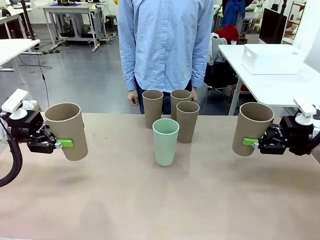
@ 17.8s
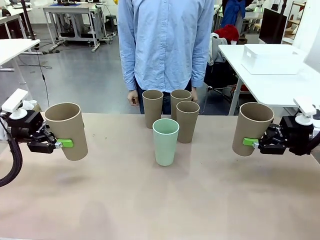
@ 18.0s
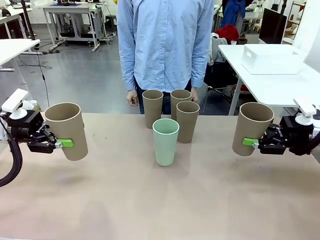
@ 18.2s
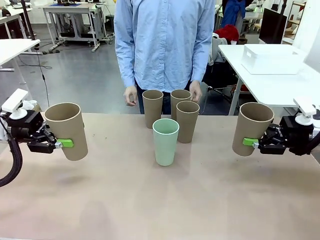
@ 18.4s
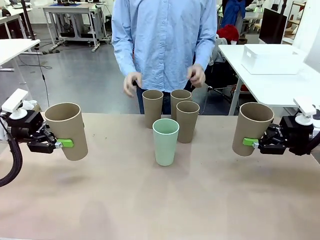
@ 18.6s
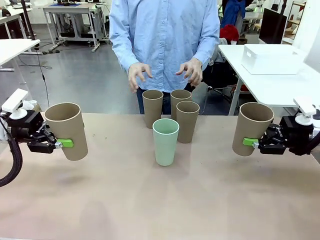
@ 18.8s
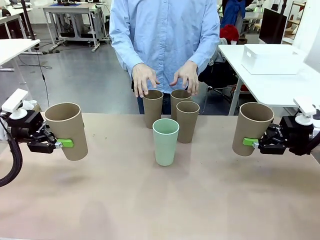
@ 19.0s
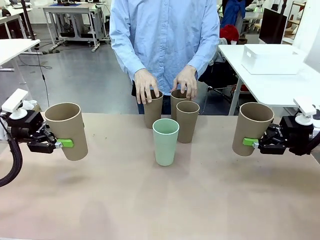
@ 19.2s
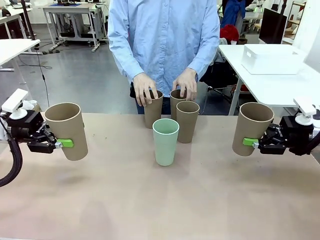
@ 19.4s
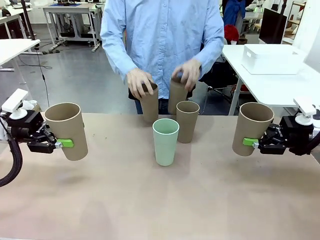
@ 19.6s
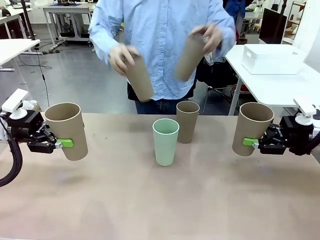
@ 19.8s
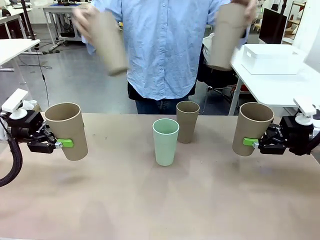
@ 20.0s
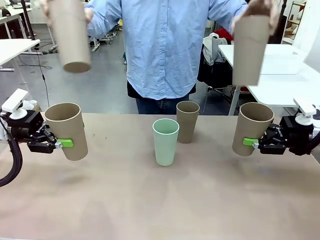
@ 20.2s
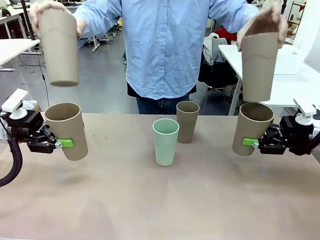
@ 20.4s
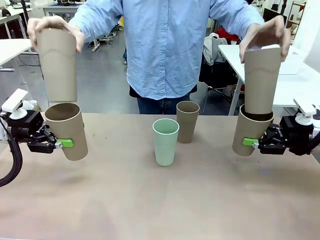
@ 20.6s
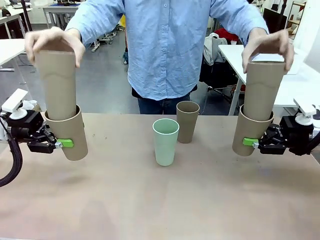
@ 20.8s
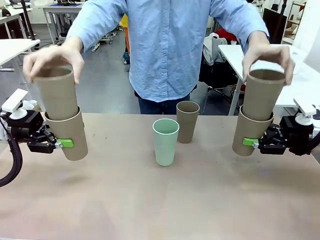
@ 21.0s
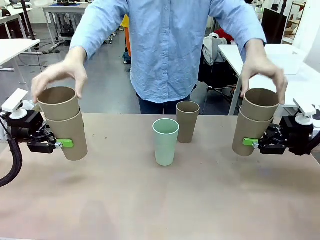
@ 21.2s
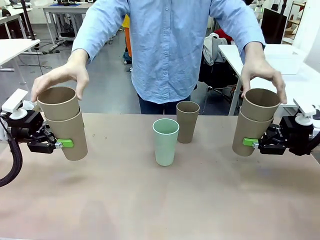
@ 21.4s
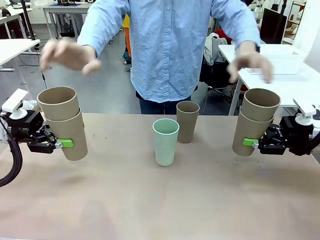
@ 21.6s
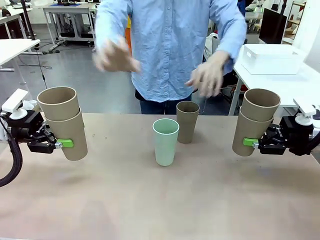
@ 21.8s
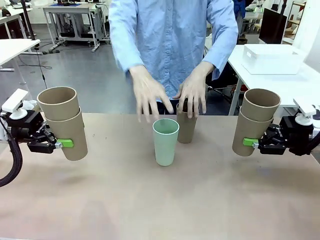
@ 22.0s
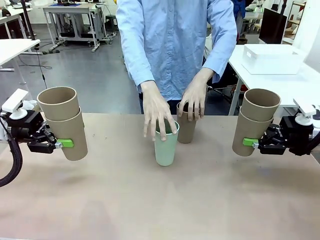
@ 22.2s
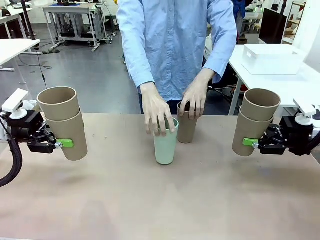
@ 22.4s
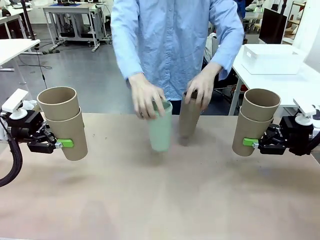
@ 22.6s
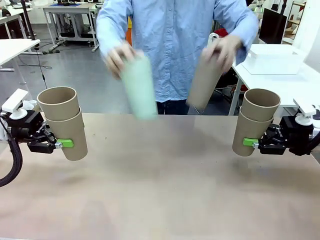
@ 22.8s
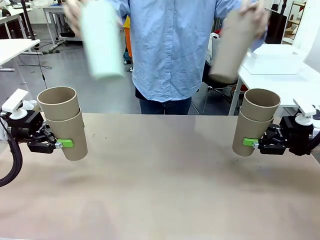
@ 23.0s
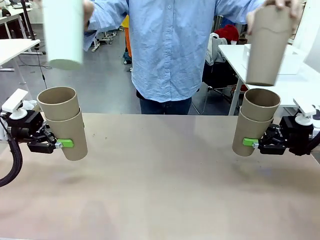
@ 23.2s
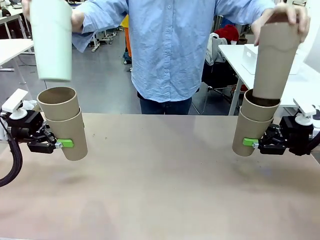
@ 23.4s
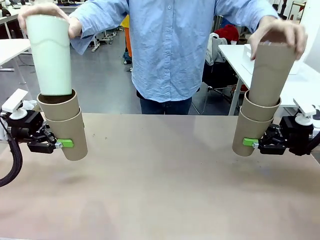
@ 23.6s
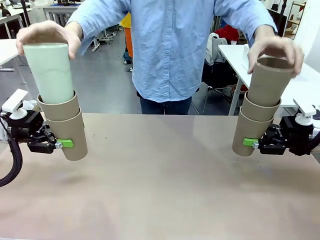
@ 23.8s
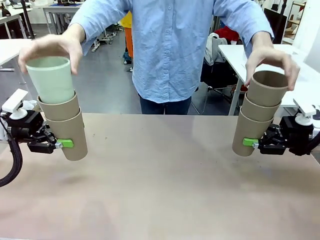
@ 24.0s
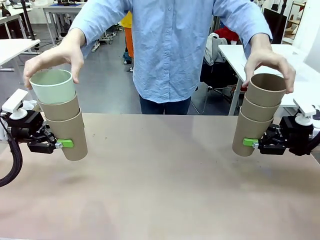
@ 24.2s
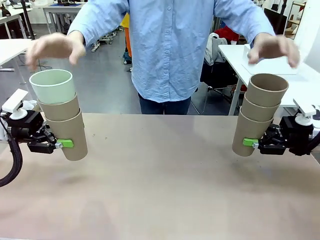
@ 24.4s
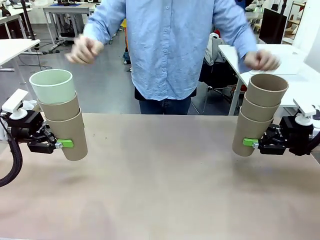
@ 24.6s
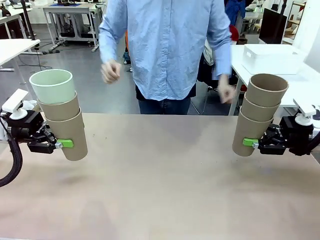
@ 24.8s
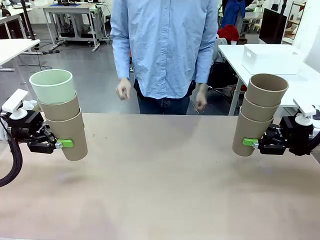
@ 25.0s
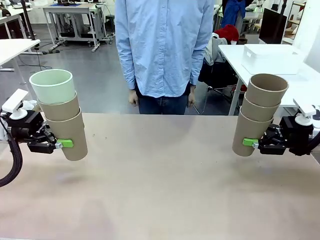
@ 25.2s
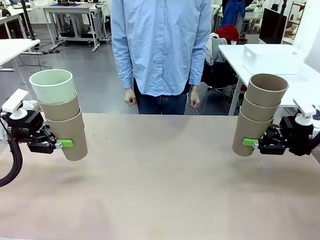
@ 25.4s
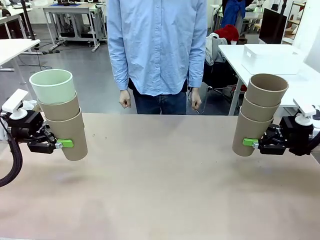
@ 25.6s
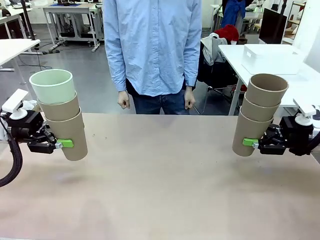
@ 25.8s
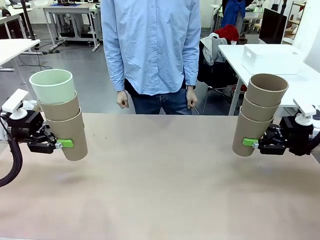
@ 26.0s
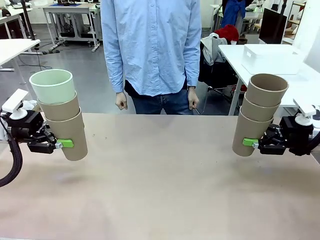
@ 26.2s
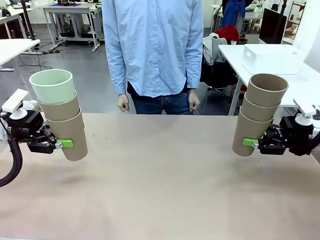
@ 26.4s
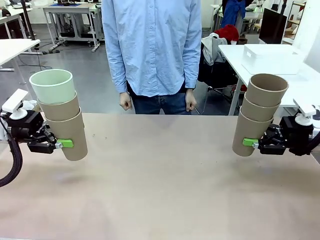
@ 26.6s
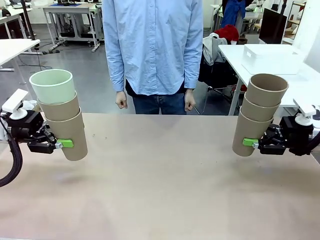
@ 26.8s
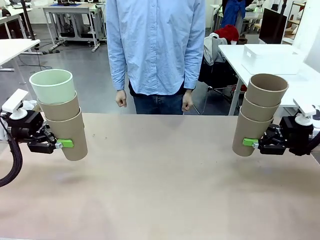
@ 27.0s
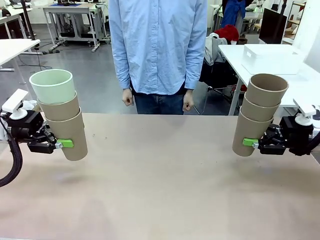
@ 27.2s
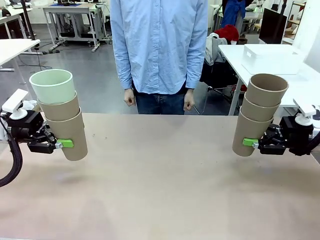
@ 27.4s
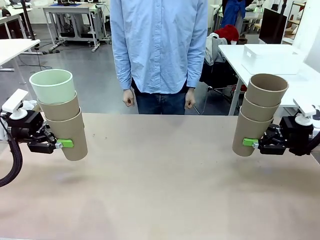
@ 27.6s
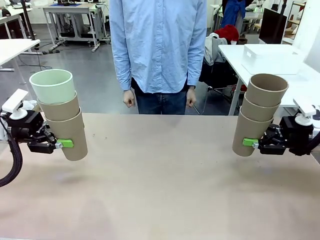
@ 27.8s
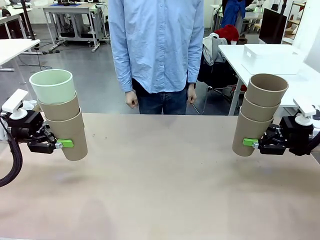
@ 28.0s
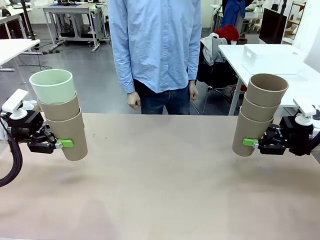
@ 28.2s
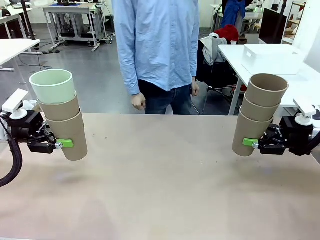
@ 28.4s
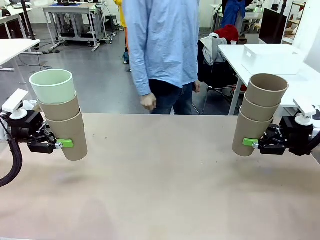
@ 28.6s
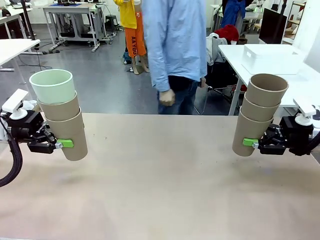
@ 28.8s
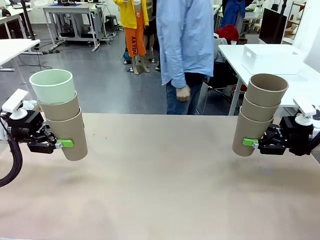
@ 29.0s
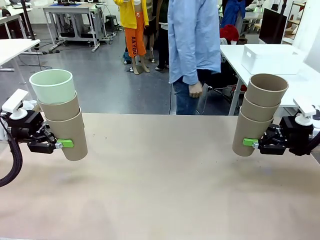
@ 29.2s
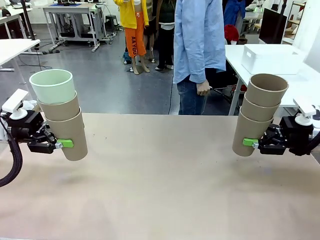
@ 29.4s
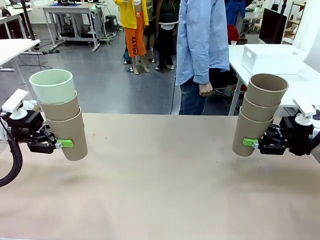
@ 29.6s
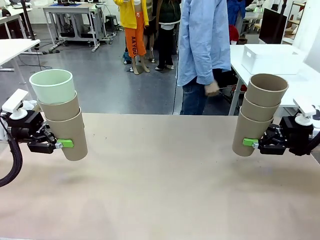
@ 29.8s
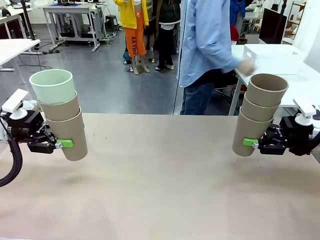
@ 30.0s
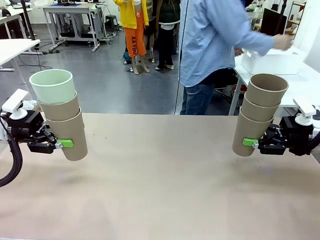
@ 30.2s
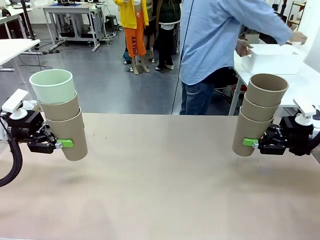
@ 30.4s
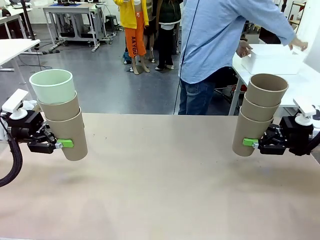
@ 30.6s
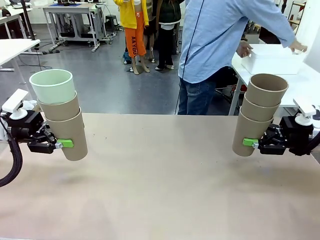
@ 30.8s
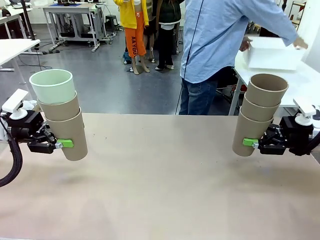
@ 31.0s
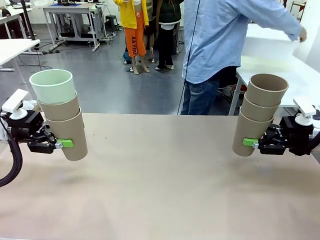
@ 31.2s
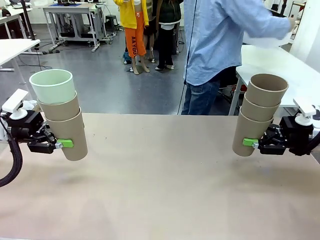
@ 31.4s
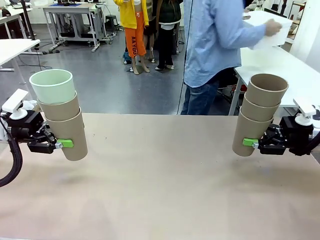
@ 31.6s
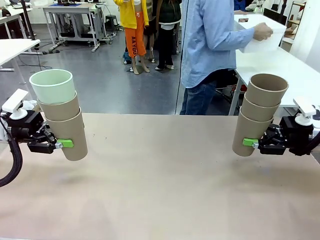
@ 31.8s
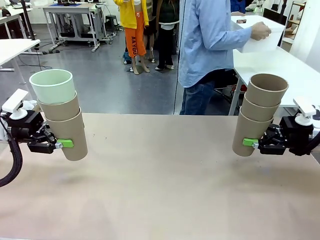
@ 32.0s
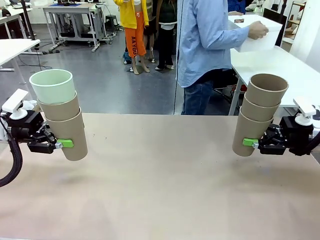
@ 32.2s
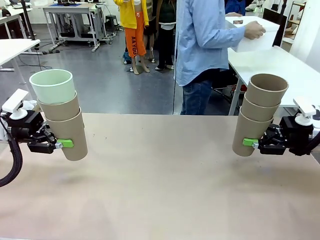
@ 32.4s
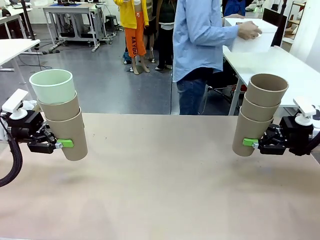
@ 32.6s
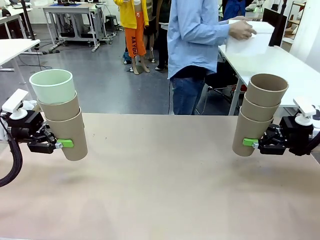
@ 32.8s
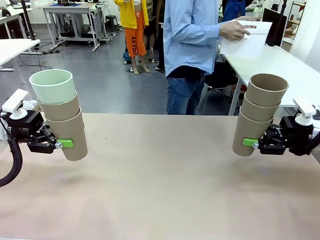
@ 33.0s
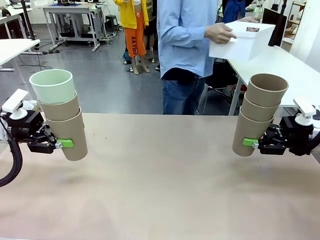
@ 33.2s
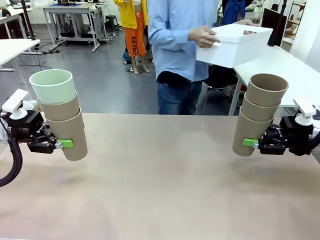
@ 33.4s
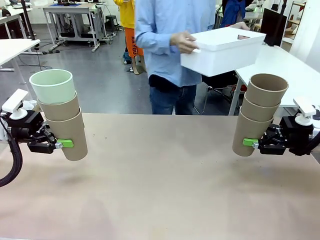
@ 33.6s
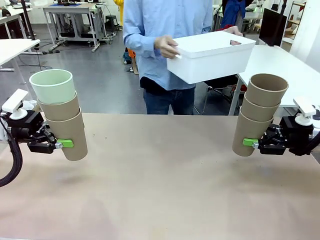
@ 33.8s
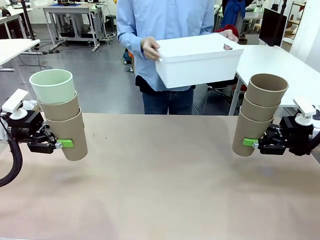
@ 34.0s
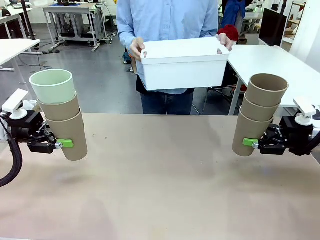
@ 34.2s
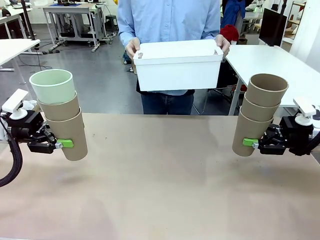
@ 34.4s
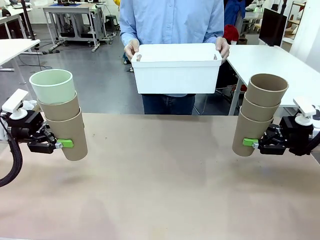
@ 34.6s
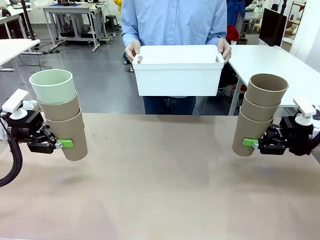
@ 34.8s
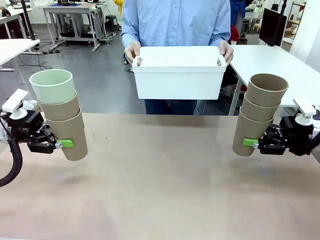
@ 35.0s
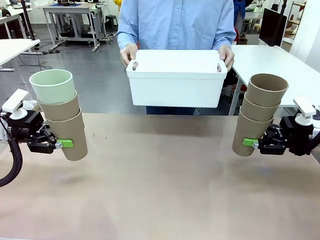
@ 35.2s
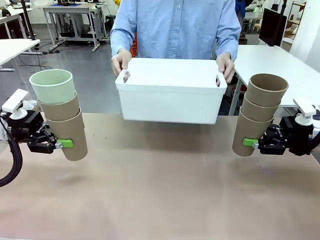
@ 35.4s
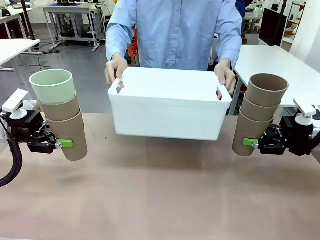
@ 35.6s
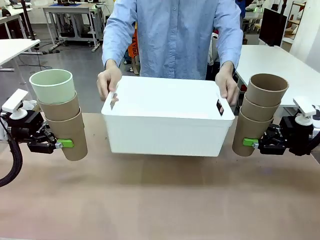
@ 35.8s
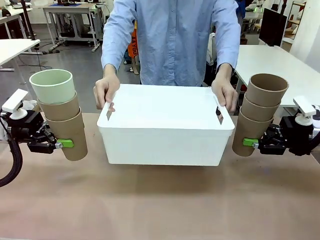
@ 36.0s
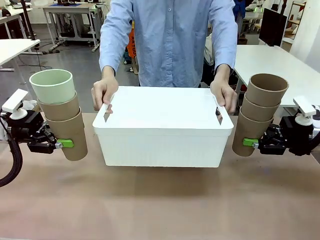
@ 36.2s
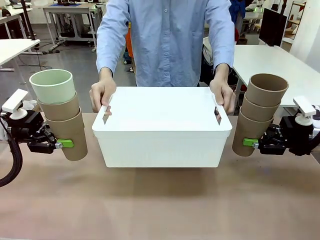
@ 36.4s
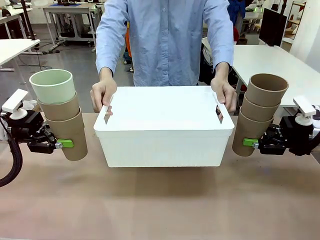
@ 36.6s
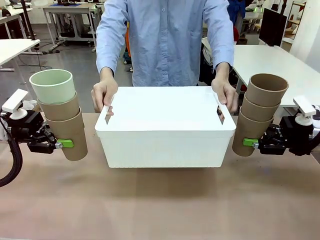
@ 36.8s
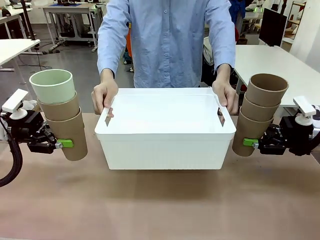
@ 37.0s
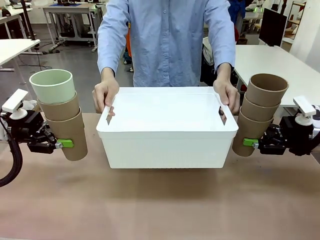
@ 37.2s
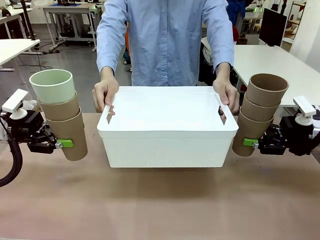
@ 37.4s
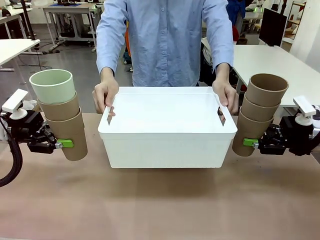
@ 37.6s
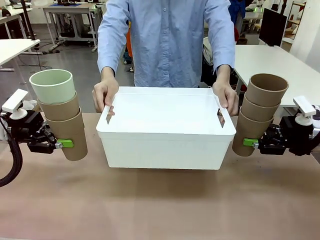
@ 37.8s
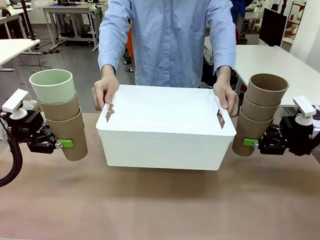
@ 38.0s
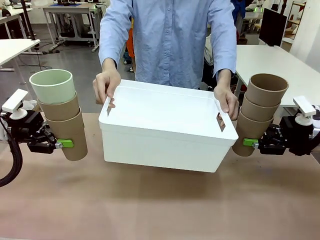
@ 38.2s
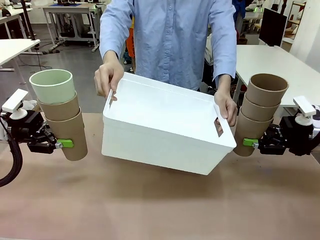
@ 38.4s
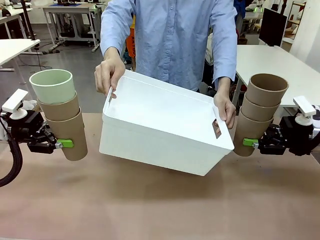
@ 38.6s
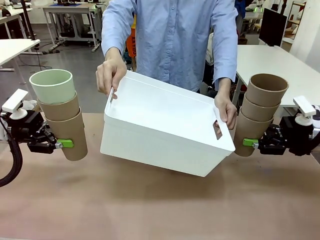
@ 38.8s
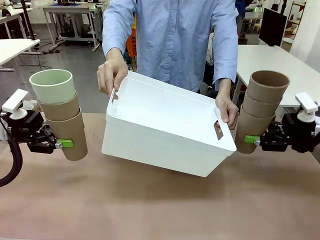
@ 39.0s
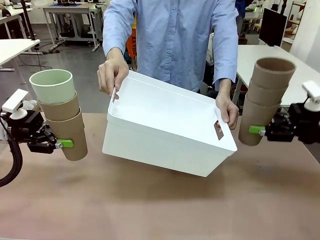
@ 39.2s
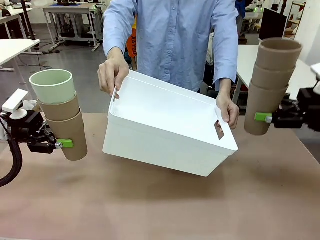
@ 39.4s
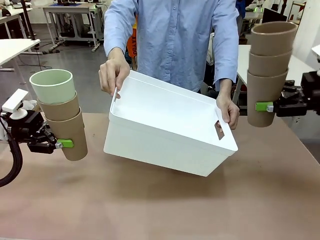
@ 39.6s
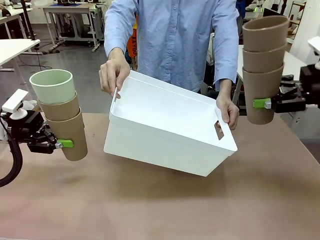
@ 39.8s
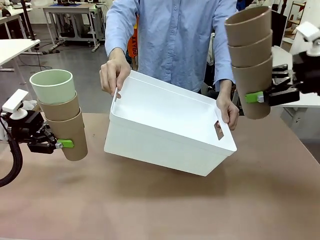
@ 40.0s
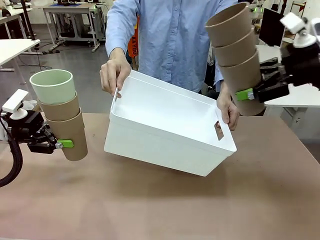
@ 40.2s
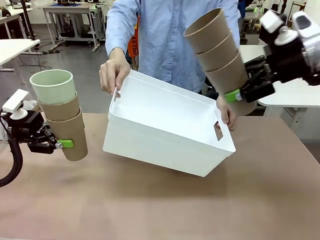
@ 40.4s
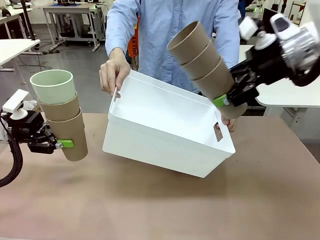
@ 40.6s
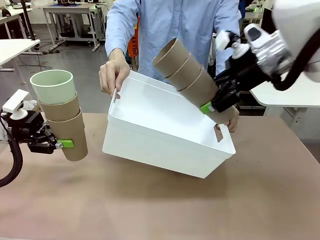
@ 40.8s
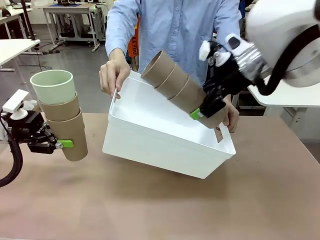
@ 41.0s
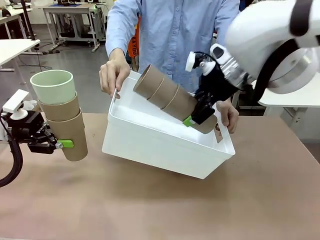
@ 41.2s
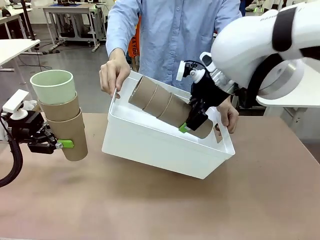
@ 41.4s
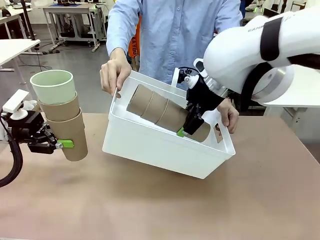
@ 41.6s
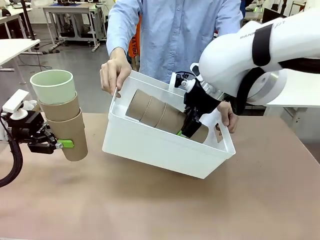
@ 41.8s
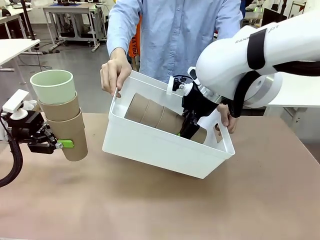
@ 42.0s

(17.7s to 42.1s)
Task: Stack the cups and store them in the basket.
Robot: Place the stack of Reusable plastic cups into the Pantry Basket.
Person: Pick up the basket from the Human Table, bring it to the front of the robot, and present it.
